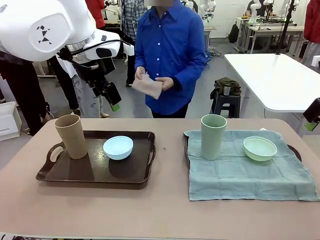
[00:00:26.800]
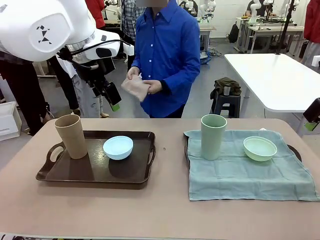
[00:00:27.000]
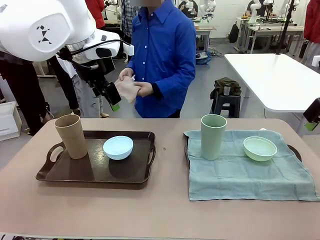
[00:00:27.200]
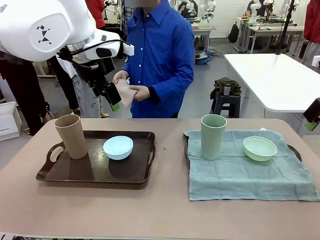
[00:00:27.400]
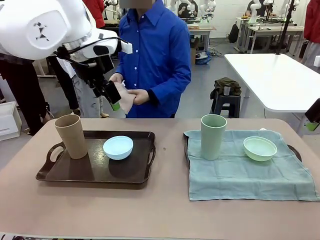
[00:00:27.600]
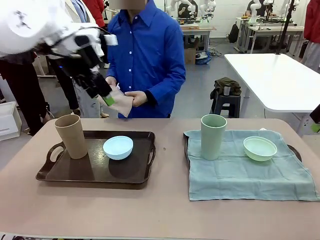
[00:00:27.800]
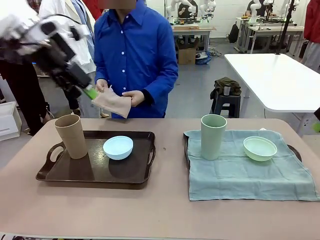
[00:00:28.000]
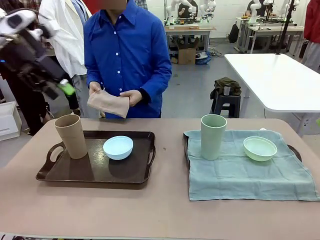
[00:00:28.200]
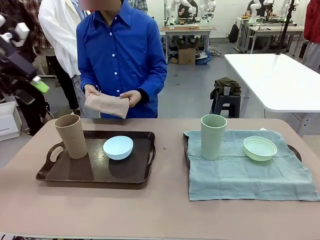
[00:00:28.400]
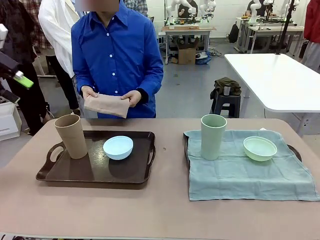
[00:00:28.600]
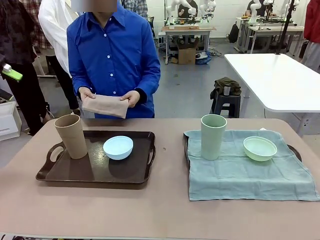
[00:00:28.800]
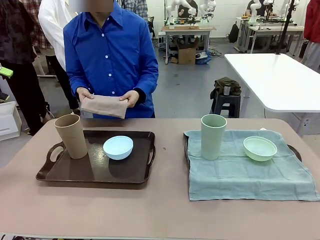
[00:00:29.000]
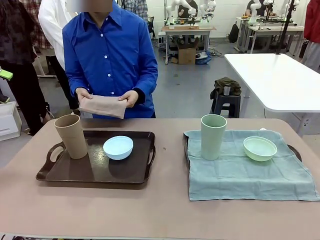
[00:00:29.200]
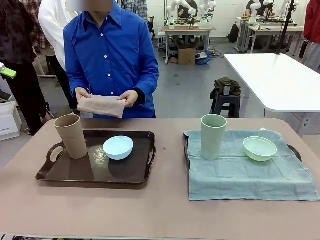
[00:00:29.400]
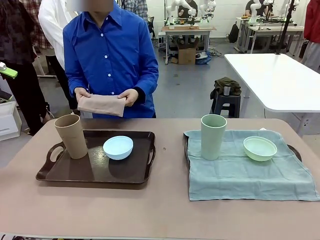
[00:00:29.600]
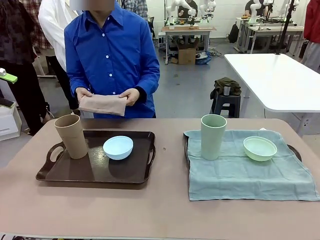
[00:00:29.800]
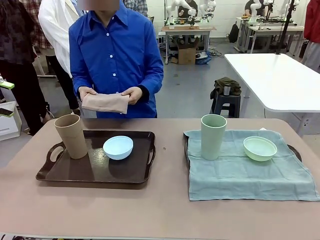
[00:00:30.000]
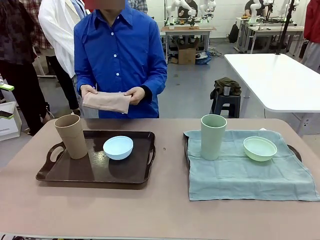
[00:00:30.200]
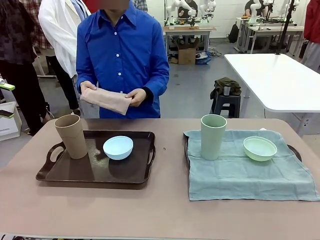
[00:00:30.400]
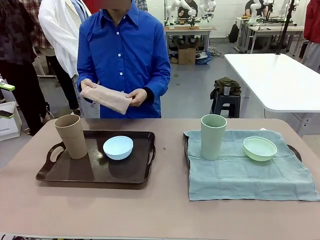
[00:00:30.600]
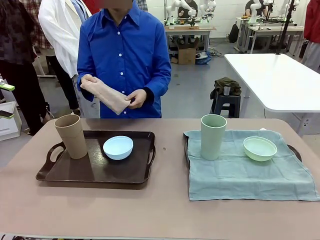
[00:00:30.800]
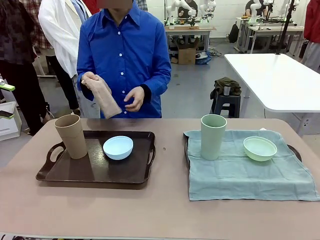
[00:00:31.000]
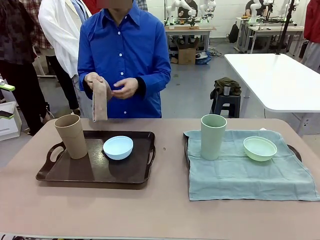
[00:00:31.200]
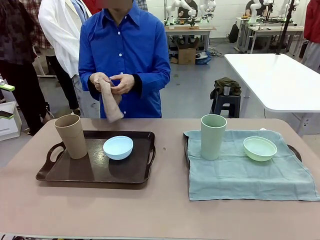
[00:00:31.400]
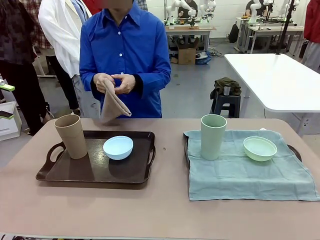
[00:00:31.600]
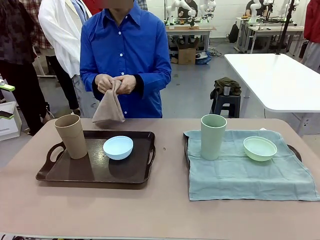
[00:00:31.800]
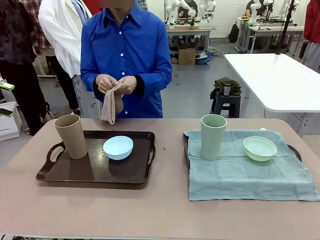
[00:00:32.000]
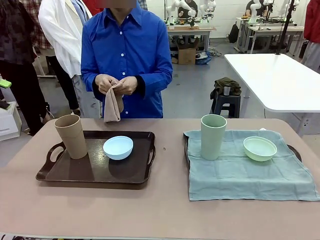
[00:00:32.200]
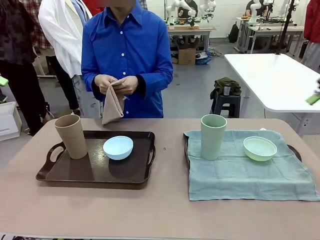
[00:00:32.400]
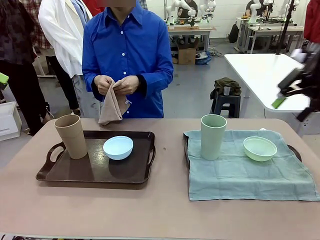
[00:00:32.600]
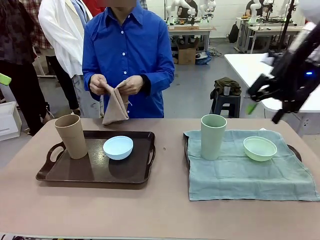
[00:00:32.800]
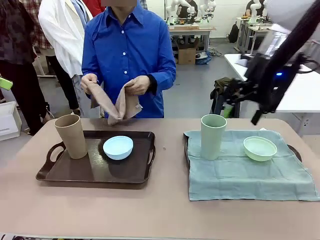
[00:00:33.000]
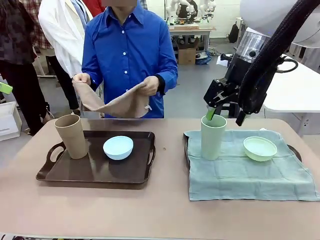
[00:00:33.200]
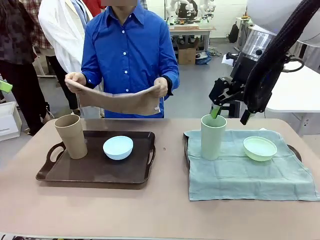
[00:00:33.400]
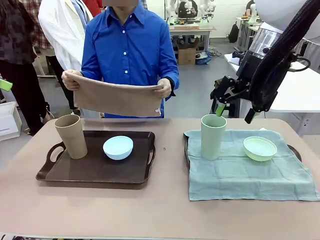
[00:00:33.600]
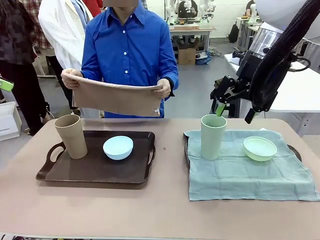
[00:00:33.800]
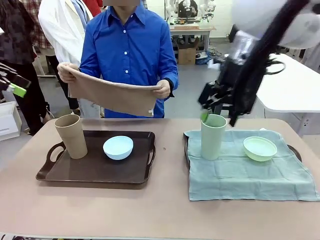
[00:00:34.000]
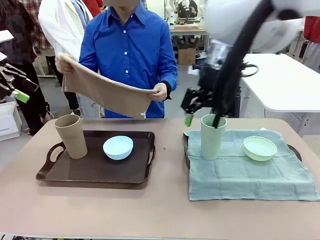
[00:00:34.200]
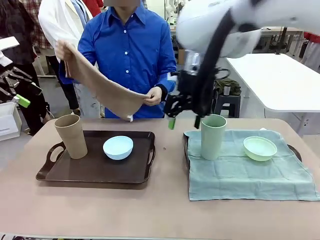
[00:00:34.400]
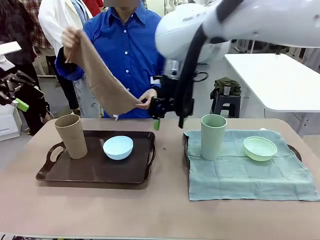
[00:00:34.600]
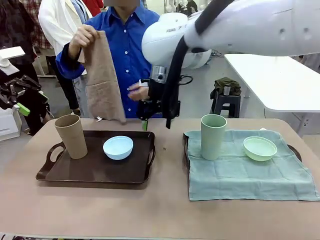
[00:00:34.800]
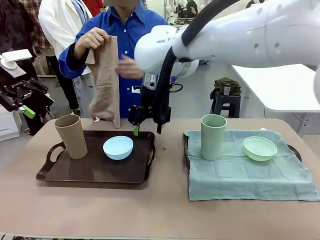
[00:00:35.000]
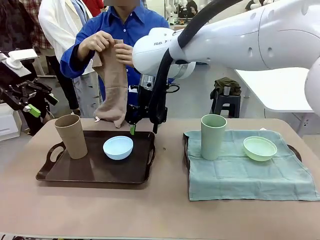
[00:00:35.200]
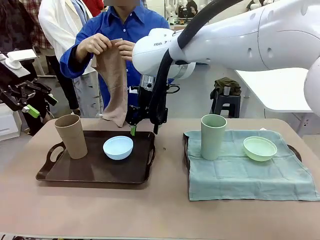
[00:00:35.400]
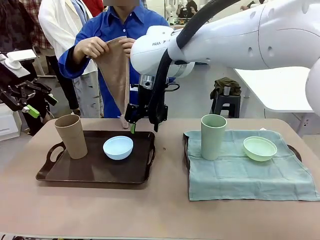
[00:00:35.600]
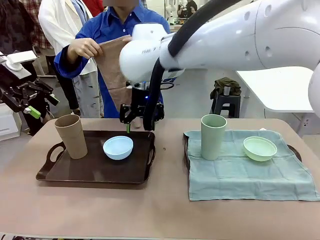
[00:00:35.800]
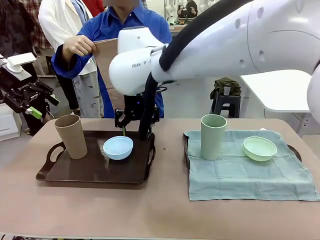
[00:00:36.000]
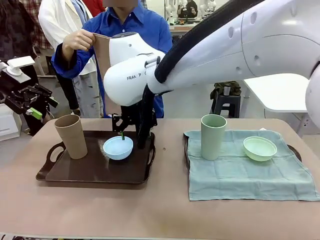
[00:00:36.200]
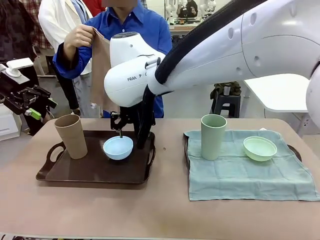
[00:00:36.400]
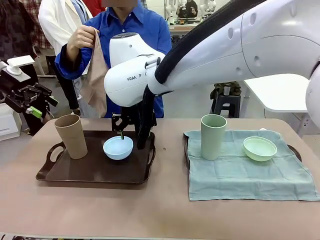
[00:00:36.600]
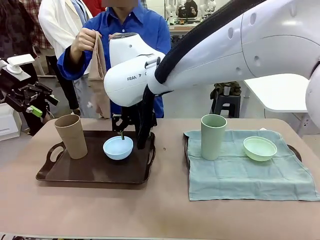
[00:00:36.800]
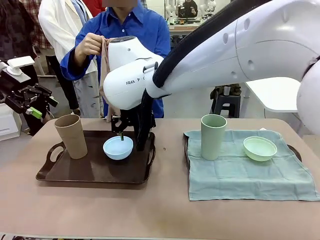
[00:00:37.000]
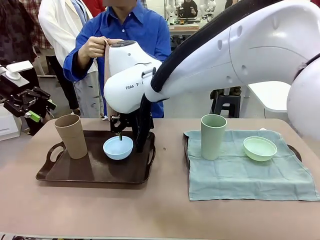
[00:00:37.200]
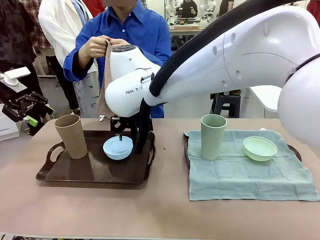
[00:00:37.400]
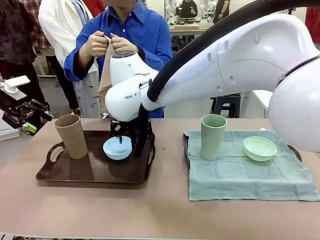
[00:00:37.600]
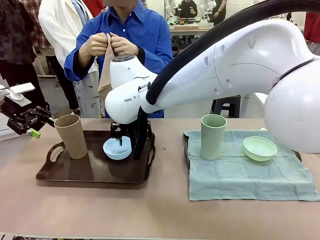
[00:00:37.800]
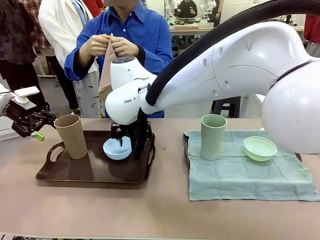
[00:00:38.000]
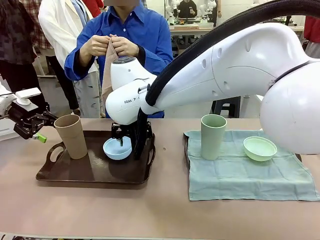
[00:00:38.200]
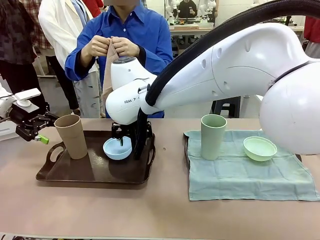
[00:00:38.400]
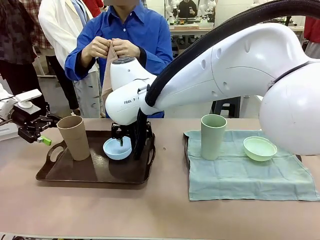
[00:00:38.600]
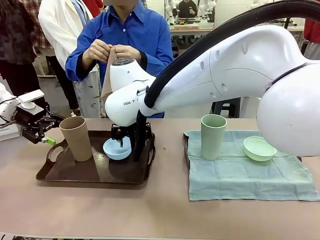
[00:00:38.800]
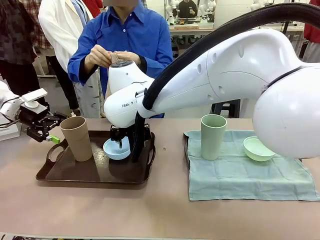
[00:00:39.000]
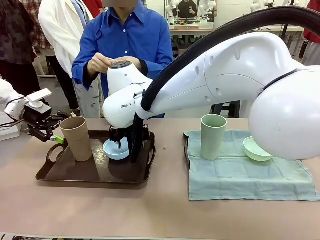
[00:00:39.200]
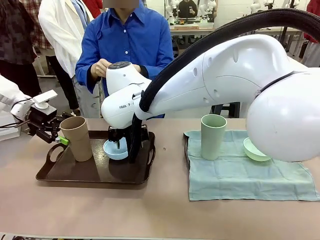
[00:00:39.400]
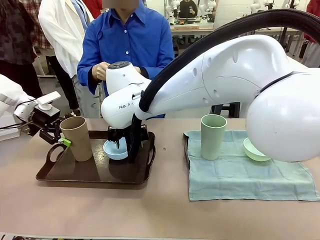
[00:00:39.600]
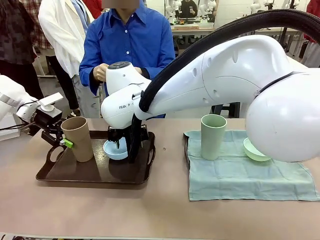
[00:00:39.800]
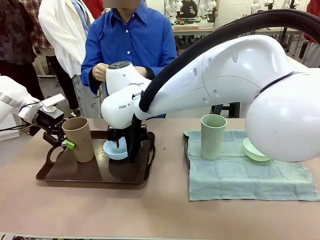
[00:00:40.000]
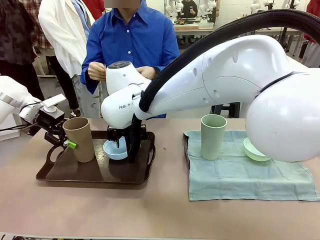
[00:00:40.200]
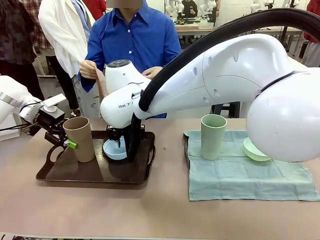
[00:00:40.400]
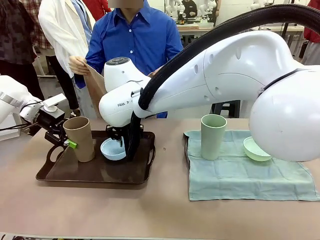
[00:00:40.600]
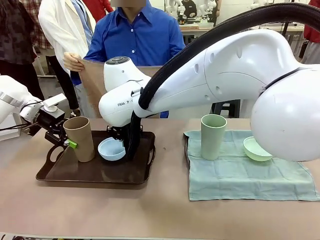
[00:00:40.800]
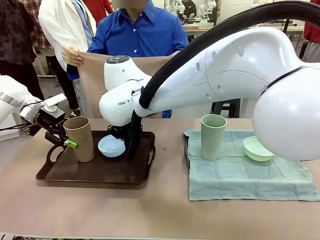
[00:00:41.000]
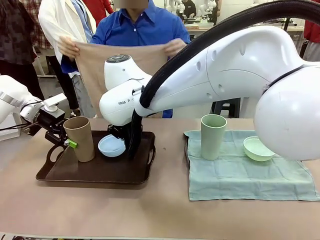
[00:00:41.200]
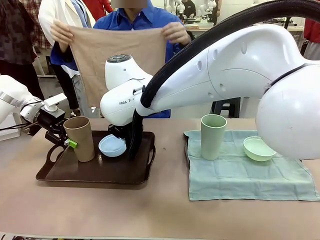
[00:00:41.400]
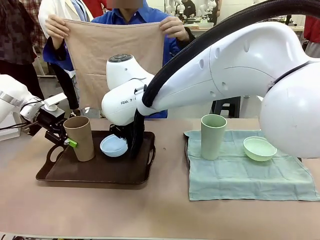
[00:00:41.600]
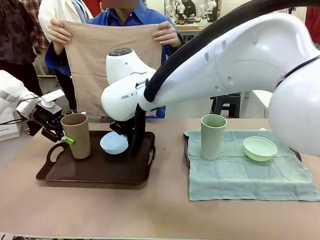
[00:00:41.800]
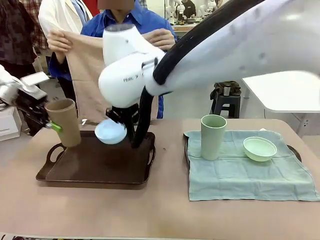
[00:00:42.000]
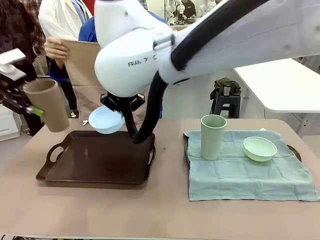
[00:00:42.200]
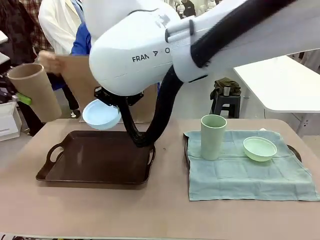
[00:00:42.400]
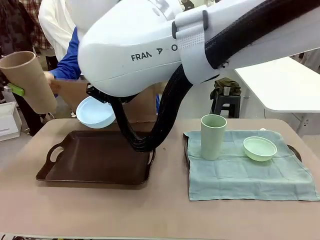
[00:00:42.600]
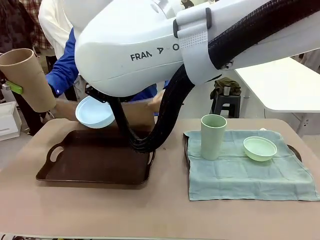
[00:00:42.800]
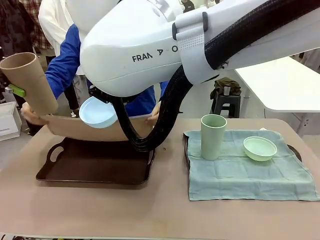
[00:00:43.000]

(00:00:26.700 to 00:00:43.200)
Robot: Pick up the Picnic Bowl and Reusable plastic cup from the Handle tray in front of the human's position and hold them in the air.

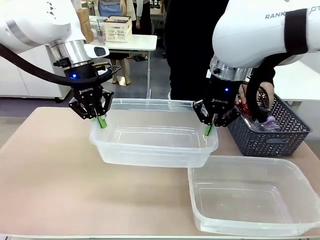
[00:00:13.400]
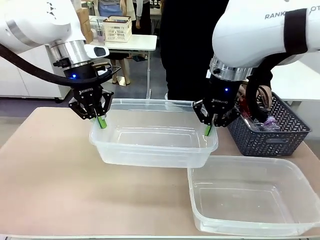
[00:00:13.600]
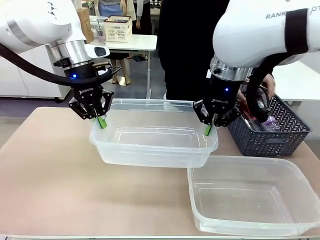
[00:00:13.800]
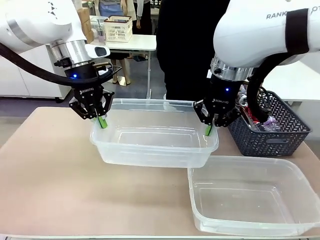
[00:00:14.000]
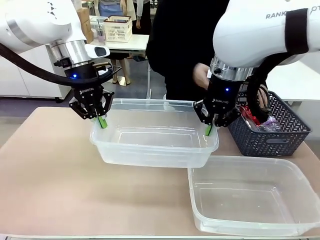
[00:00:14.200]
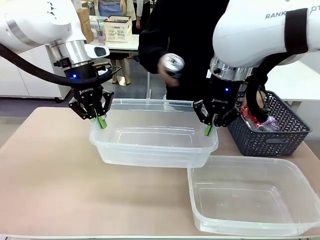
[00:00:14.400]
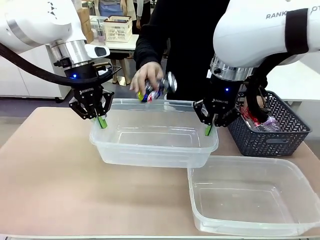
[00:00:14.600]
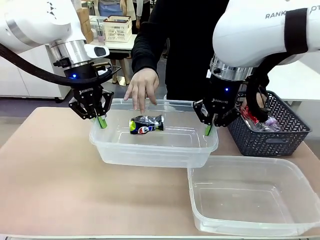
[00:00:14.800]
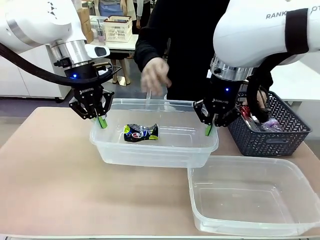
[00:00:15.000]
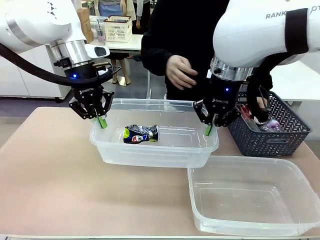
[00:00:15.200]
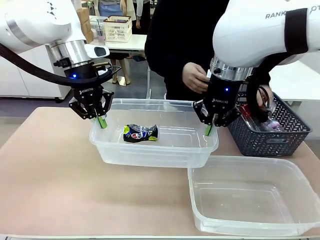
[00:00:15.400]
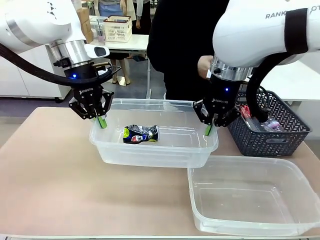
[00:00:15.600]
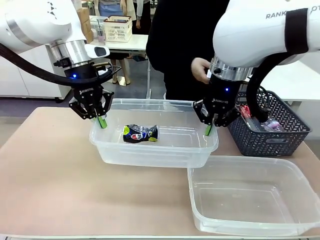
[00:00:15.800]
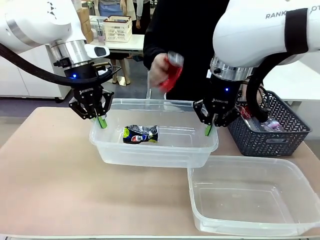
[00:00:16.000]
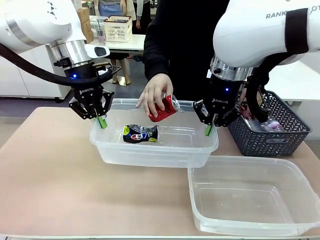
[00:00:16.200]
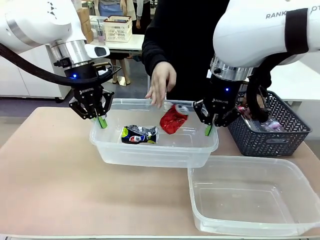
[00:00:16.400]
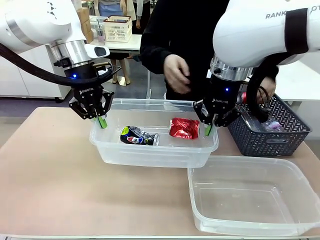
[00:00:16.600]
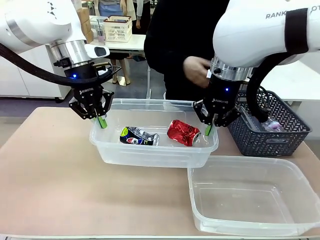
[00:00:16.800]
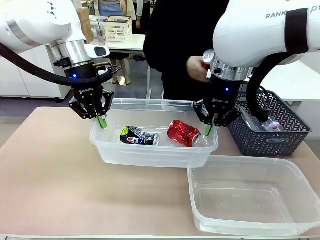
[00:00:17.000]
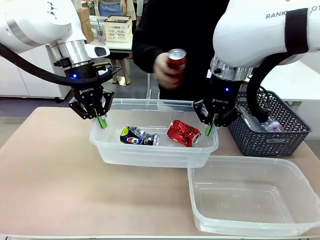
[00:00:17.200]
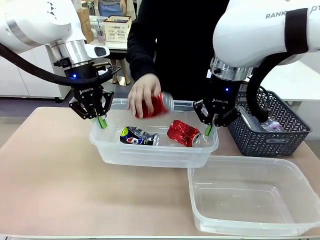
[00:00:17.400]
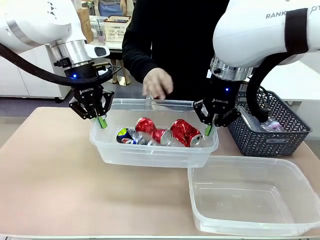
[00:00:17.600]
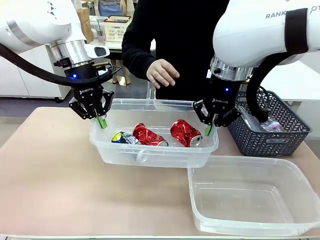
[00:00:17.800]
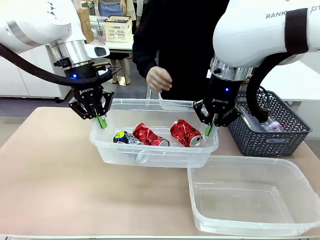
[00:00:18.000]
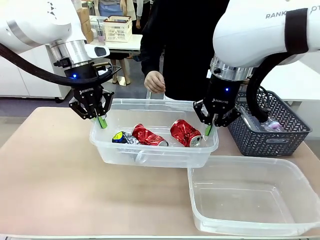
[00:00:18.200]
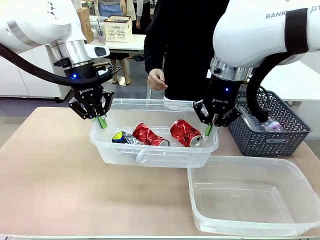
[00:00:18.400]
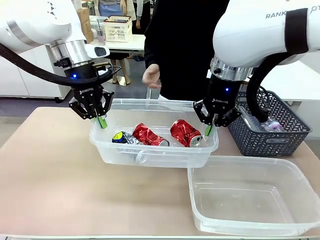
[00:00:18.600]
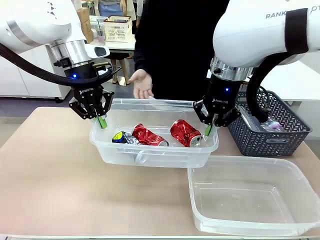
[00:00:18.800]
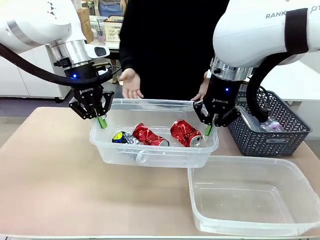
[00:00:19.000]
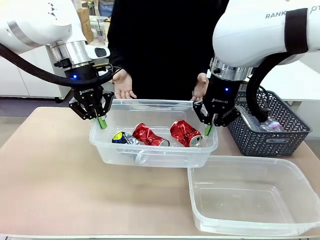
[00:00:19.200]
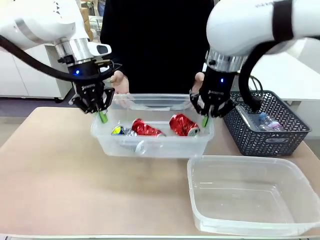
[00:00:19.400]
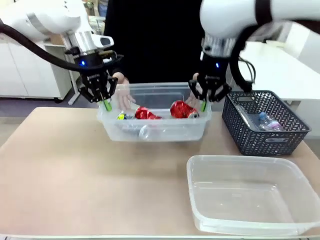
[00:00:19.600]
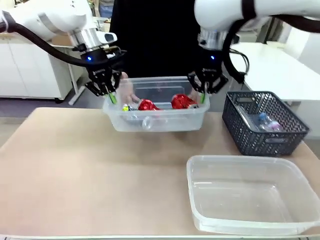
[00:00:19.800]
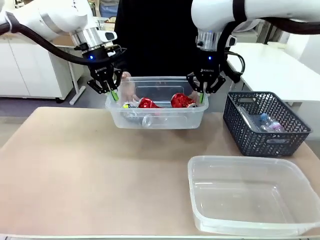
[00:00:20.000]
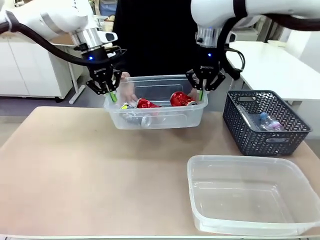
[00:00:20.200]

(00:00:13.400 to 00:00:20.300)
Robot: Offer the picked Organizing box to the human.
